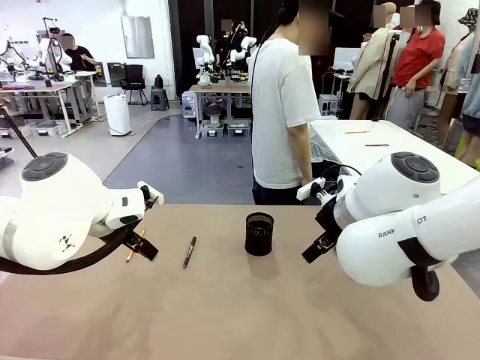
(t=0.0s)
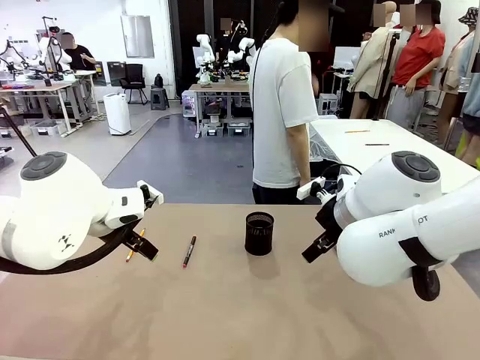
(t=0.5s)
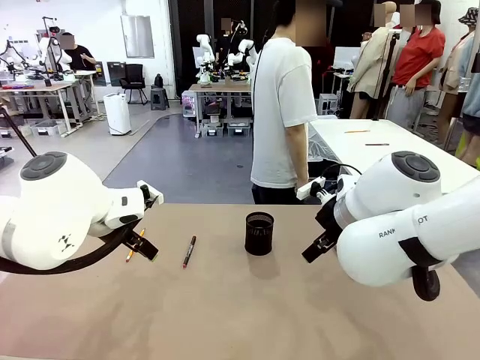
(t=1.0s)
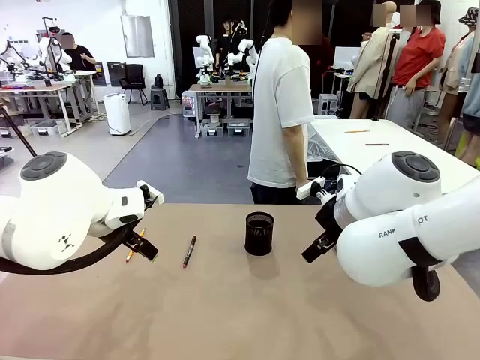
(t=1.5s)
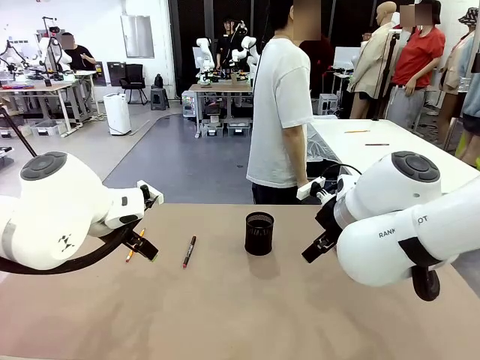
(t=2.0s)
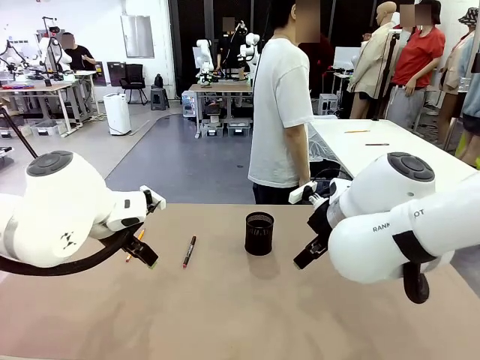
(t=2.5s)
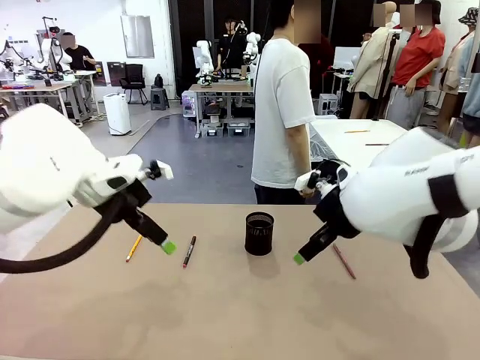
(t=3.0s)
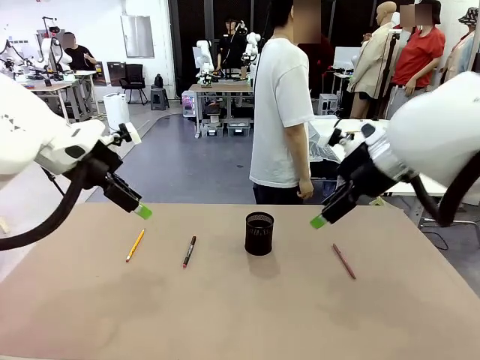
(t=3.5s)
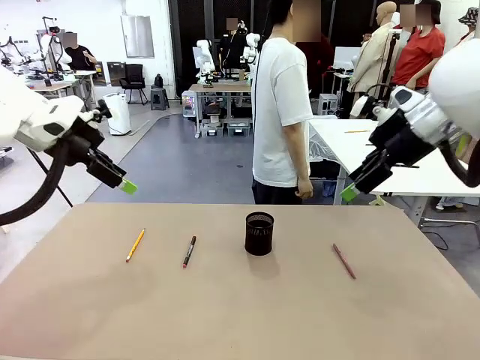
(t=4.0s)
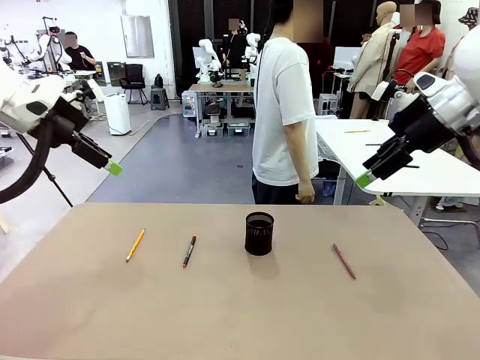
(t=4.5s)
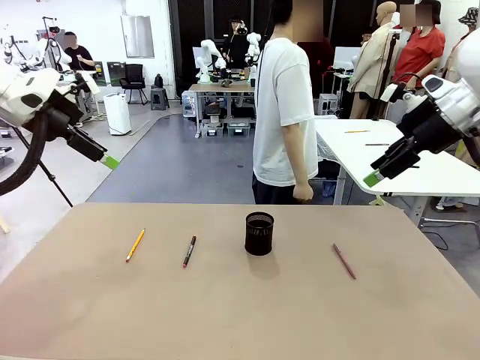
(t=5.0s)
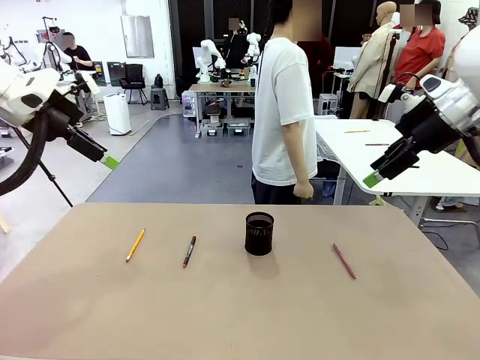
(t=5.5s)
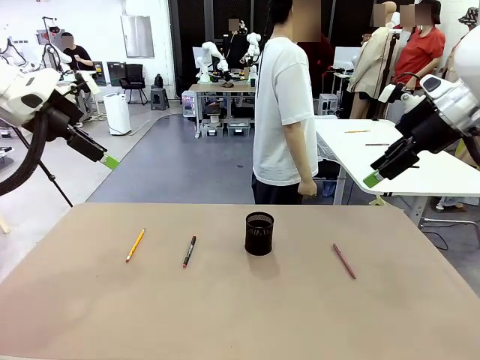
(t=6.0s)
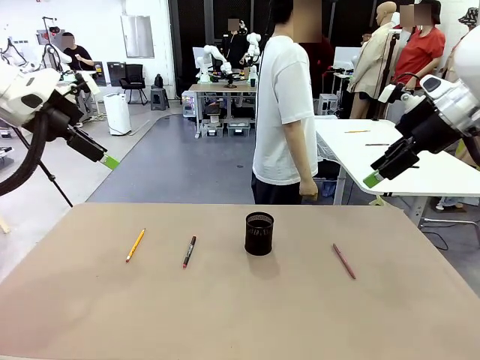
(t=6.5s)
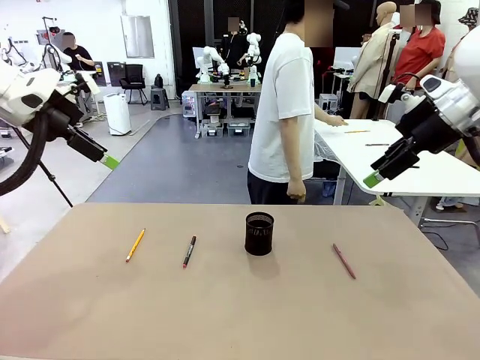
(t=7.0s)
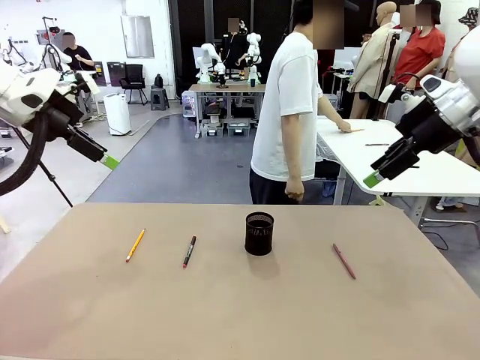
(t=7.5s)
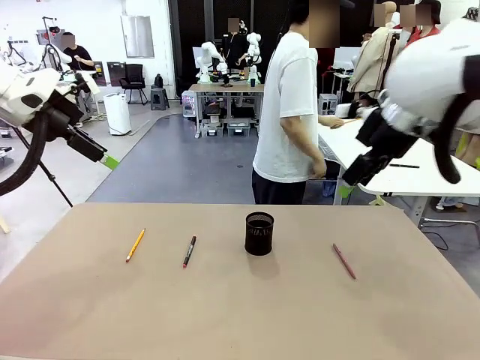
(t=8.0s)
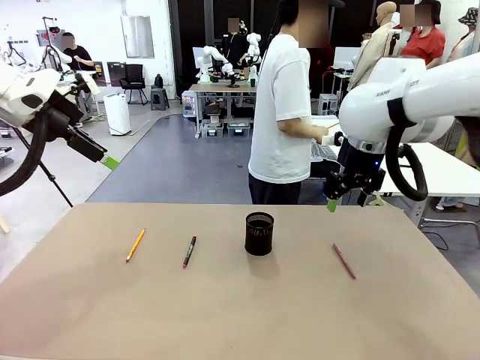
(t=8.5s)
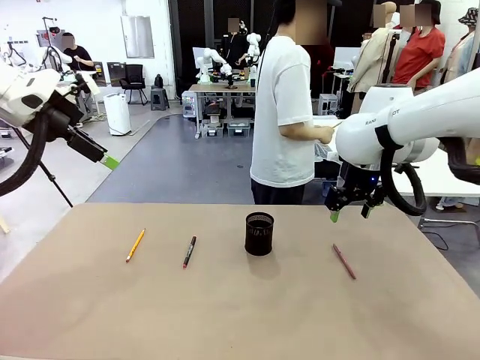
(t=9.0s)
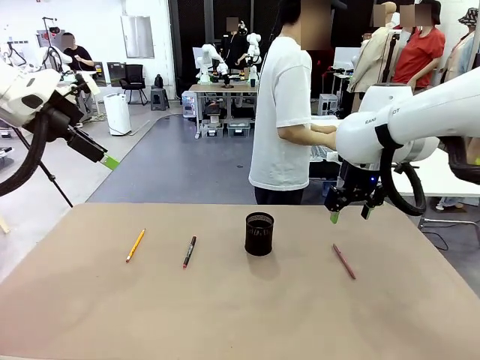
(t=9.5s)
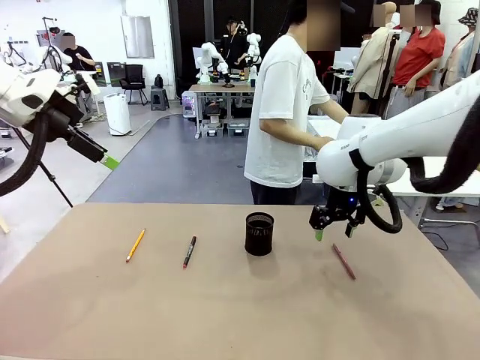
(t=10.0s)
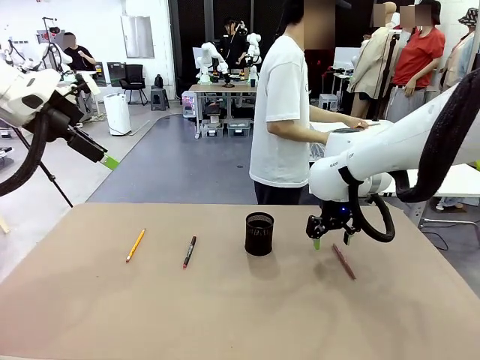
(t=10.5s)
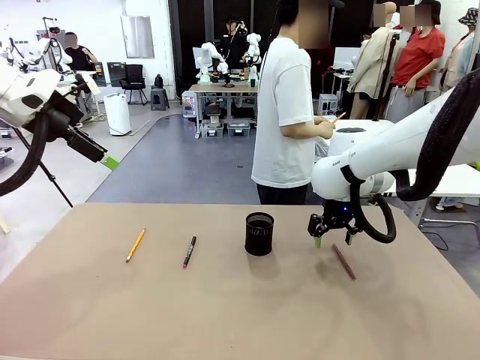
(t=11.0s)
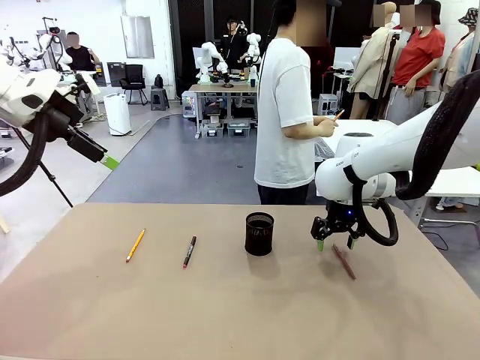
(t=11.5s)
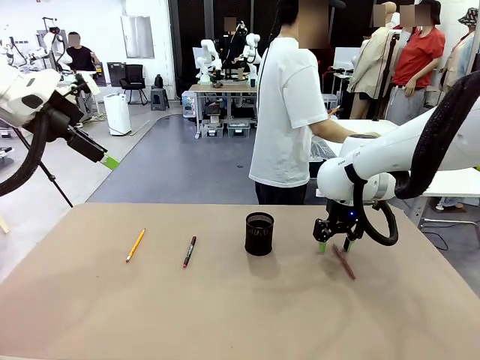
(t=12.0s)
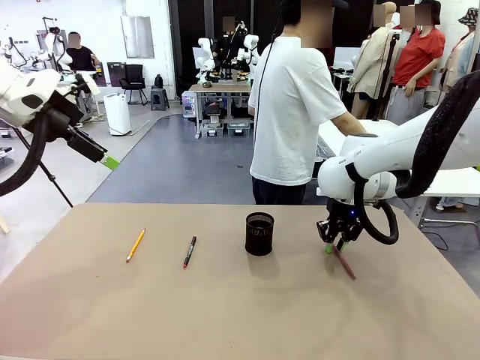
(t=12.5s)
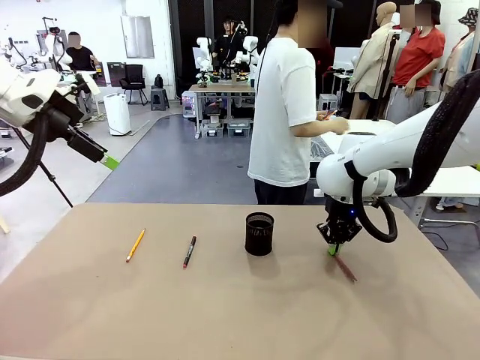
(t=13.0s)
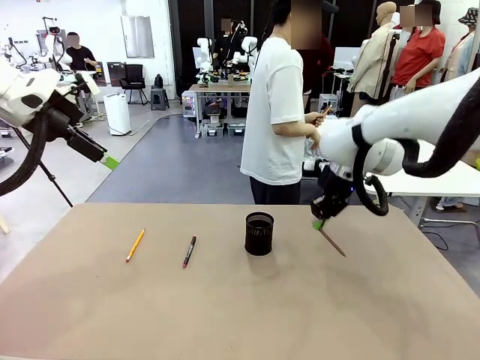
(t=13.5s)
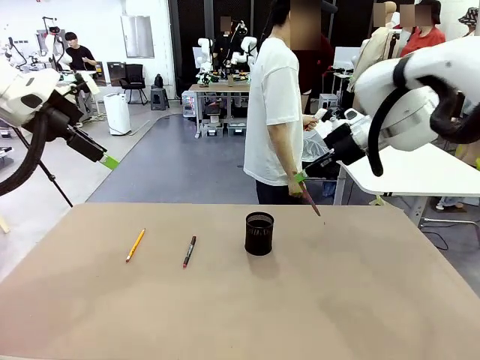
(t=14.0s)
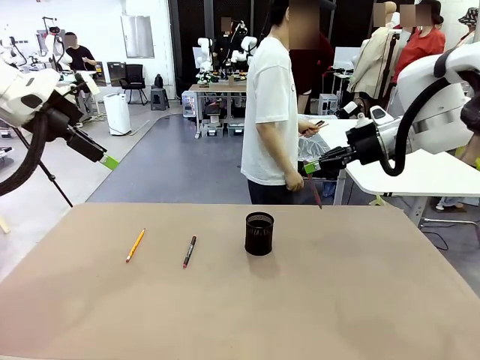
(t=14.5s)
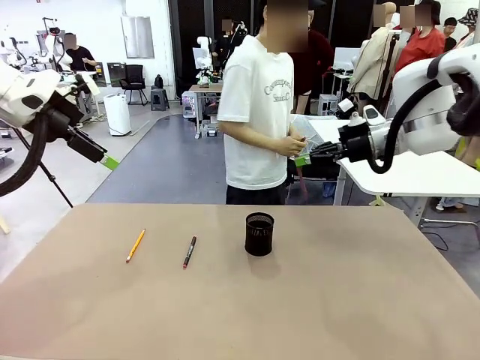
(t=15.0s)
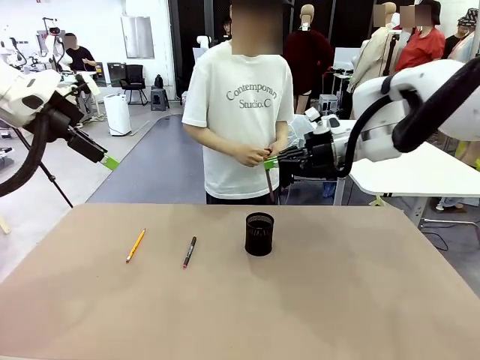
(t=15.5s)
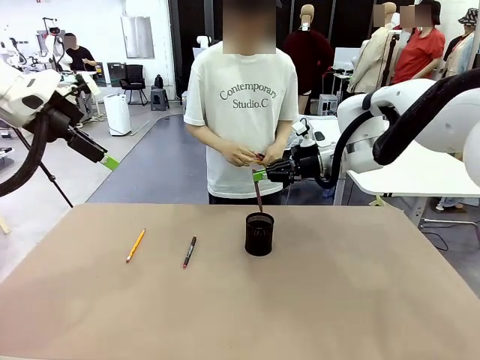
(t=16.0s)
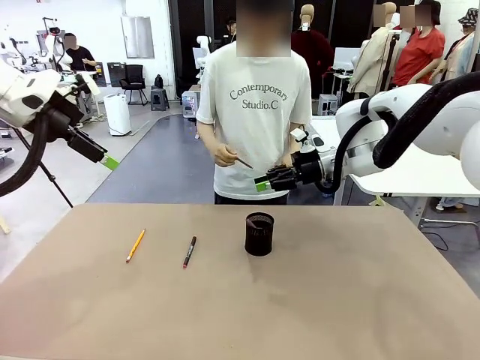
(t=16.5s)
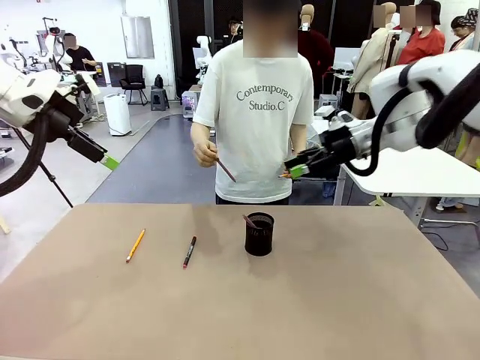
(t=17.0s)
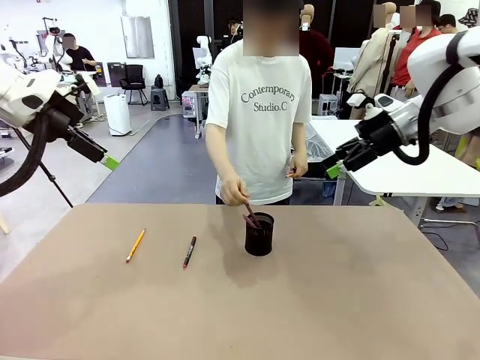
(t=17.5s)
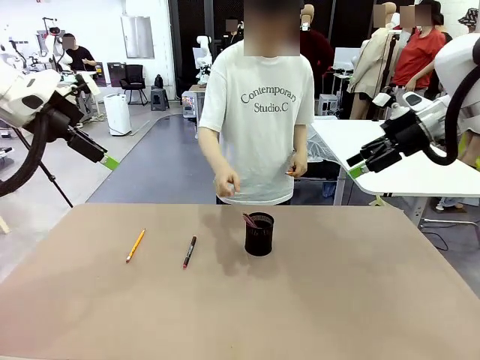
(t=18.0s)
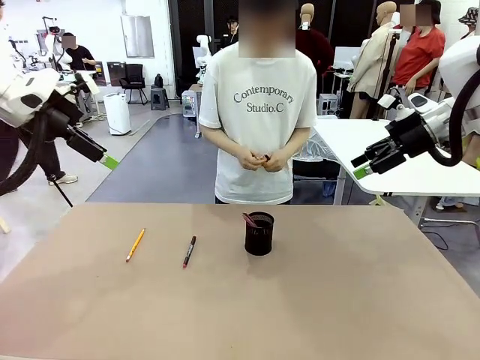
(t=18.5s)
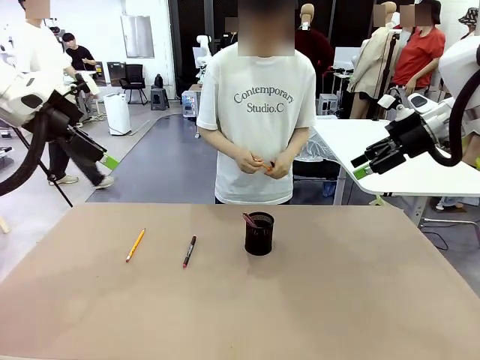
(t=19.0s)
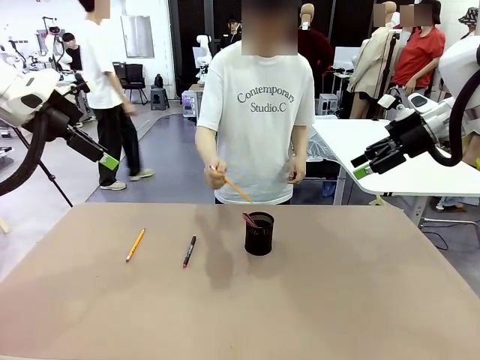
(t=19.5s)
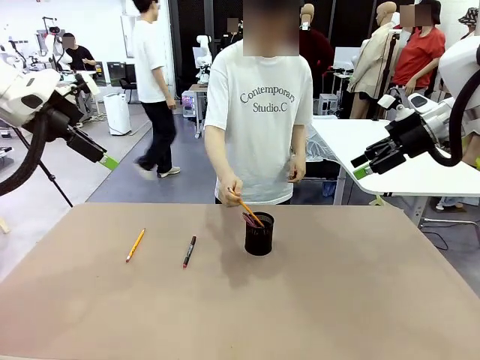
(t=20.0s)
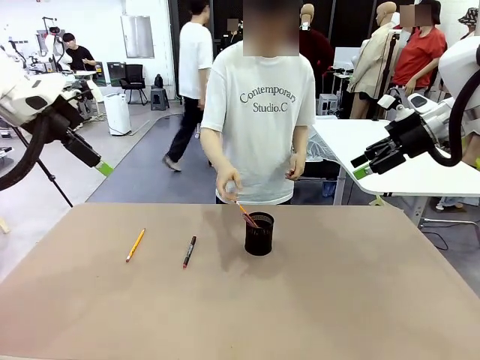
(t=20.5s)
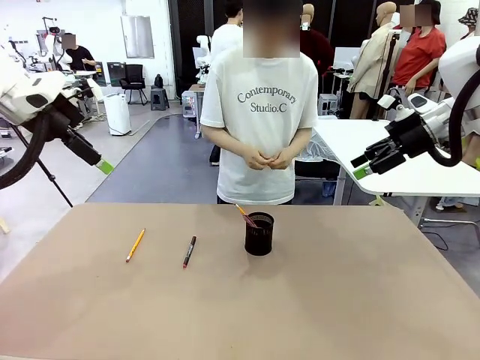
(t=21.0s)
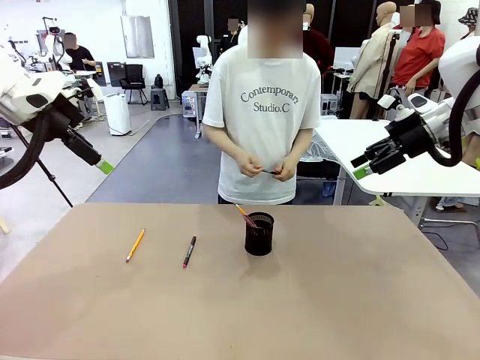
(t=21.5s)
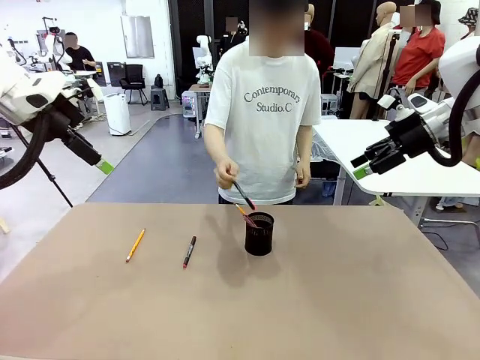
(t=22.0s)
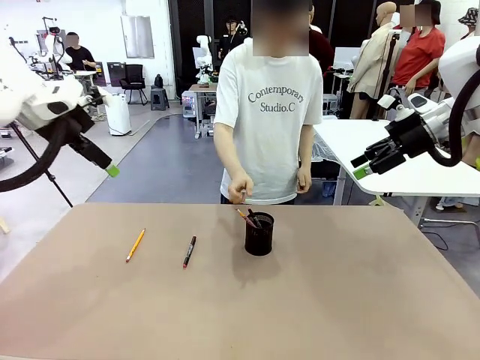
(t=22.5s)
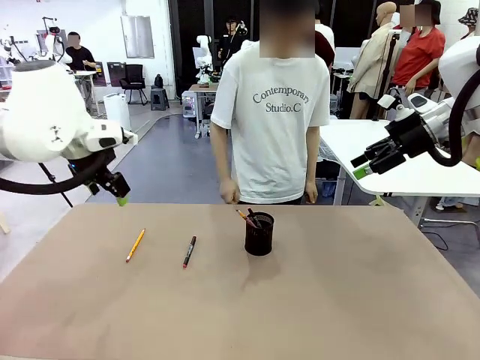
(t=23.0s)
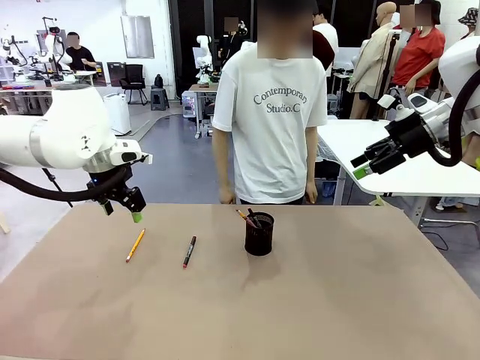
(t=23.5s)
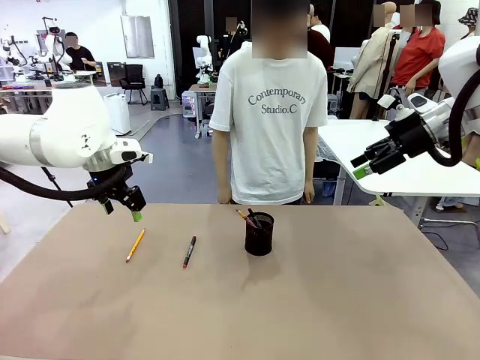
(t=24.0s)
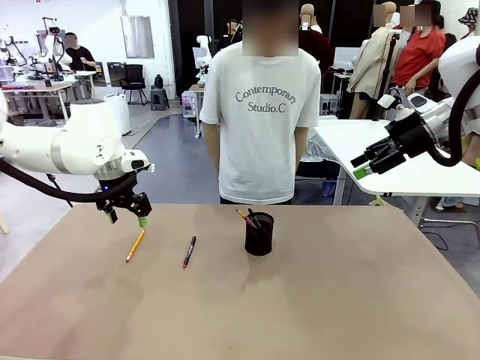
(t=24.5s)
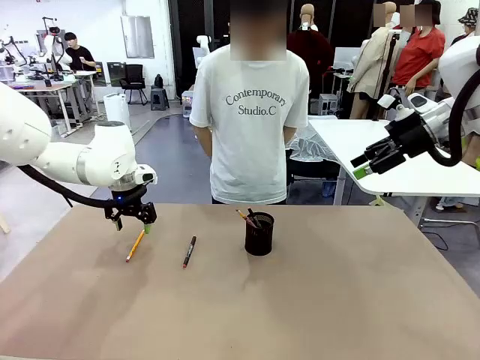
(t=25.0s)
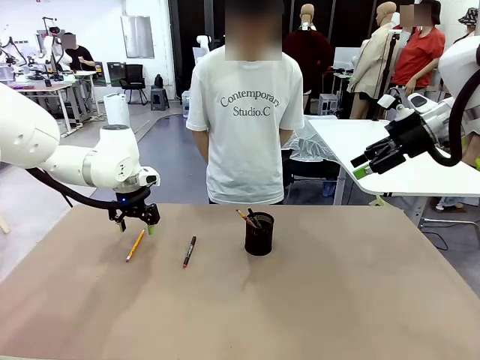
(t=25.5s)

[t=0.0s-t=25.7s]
Task: Place the pens into the pen holder.
Robot: Pick up a writing instrument from the table and place it into the Pen holder.
Person: Pick up all writing instruments from the Human table.
